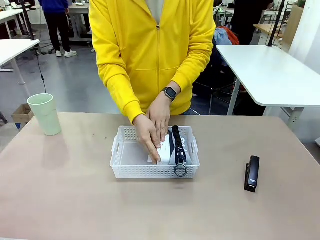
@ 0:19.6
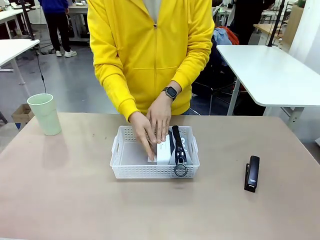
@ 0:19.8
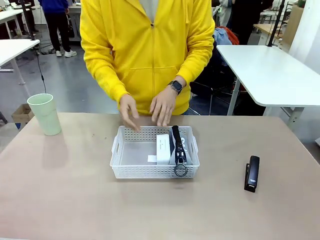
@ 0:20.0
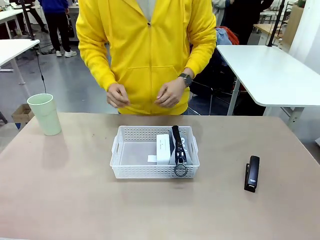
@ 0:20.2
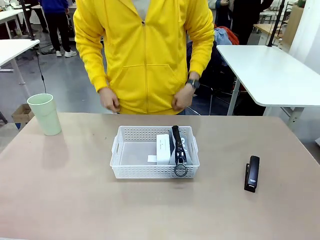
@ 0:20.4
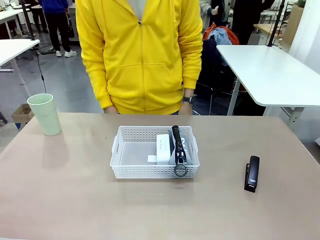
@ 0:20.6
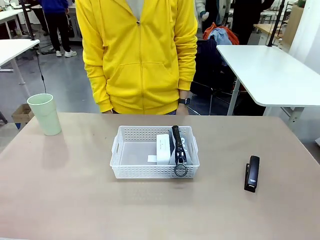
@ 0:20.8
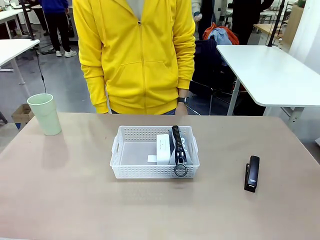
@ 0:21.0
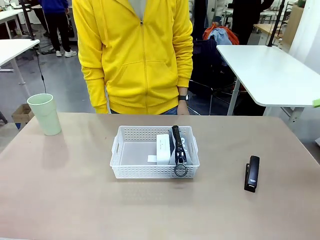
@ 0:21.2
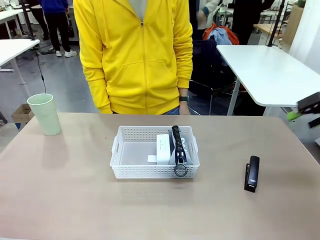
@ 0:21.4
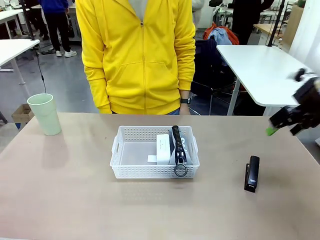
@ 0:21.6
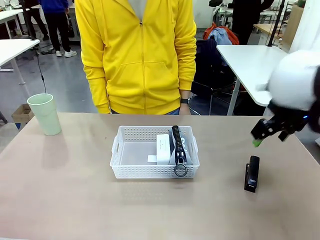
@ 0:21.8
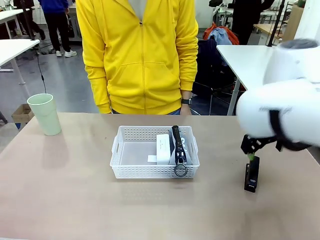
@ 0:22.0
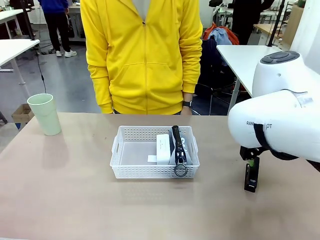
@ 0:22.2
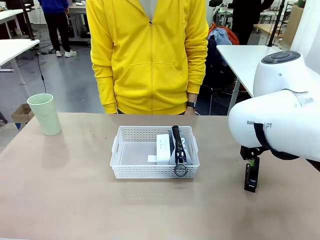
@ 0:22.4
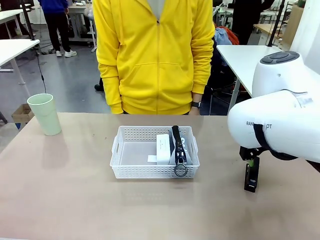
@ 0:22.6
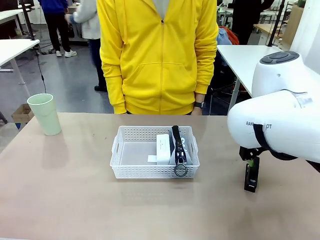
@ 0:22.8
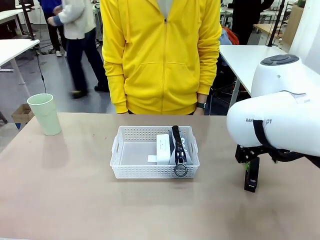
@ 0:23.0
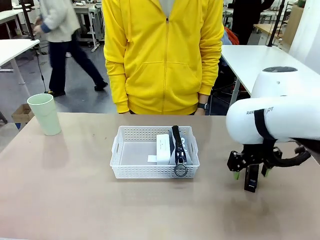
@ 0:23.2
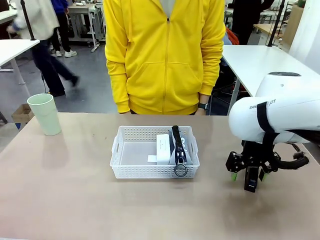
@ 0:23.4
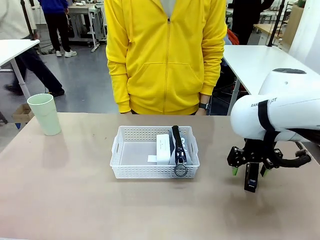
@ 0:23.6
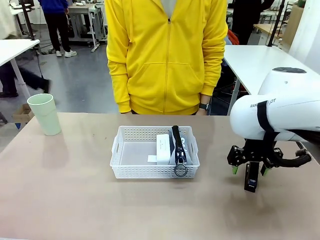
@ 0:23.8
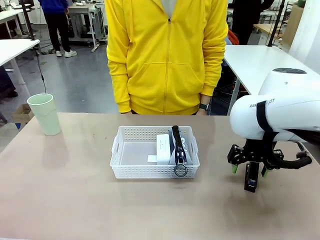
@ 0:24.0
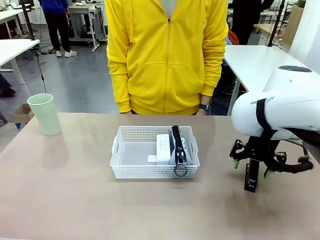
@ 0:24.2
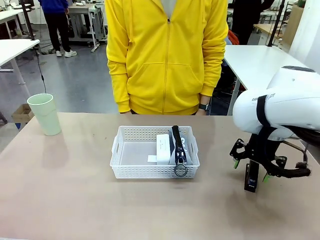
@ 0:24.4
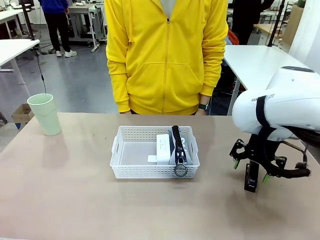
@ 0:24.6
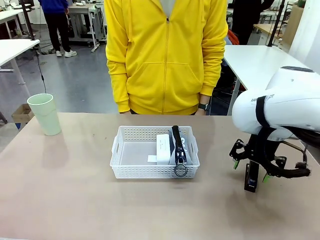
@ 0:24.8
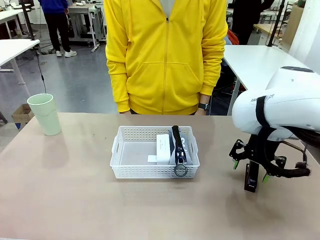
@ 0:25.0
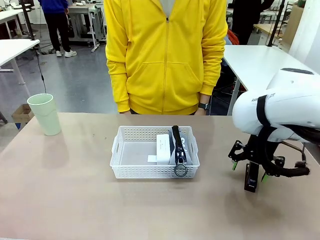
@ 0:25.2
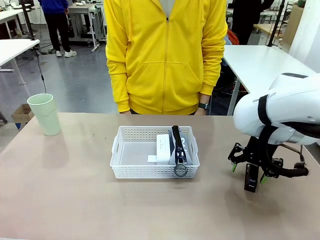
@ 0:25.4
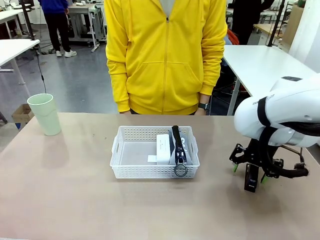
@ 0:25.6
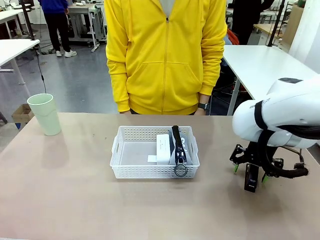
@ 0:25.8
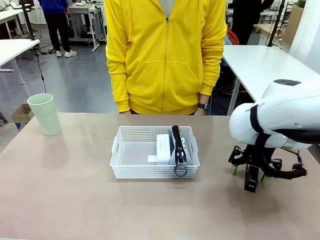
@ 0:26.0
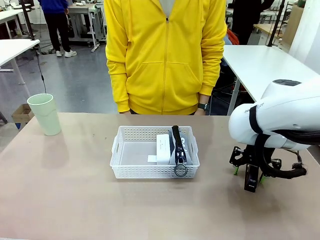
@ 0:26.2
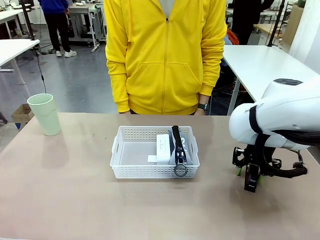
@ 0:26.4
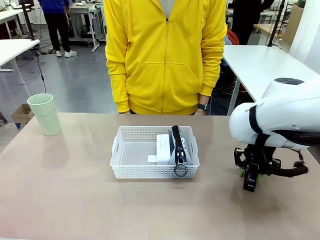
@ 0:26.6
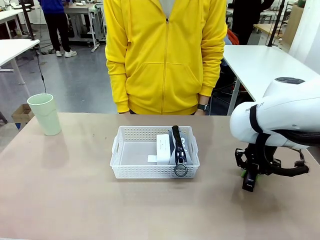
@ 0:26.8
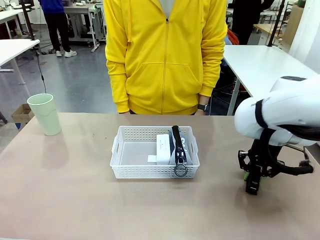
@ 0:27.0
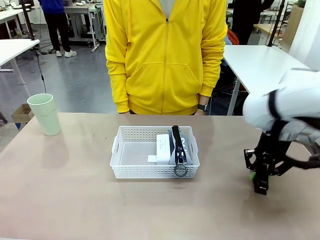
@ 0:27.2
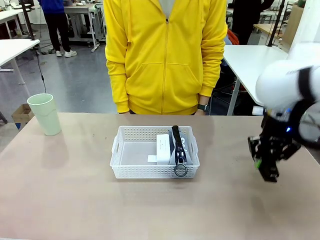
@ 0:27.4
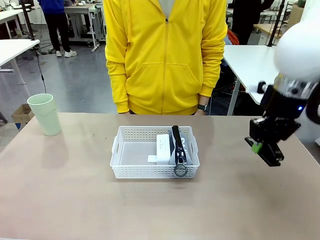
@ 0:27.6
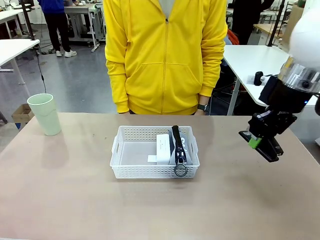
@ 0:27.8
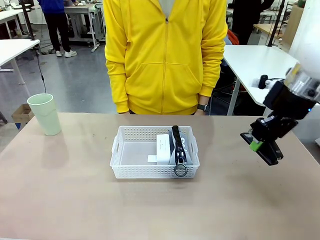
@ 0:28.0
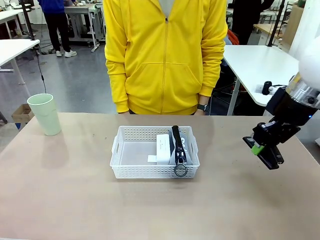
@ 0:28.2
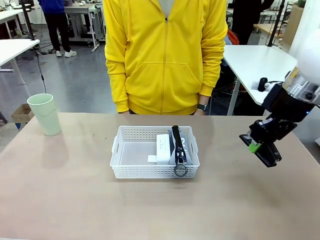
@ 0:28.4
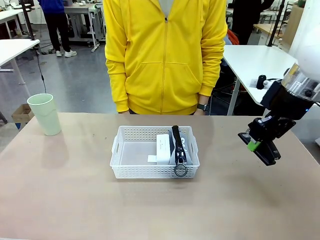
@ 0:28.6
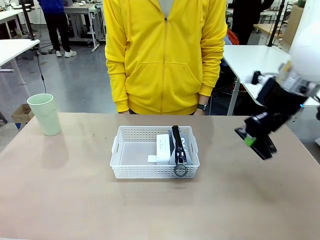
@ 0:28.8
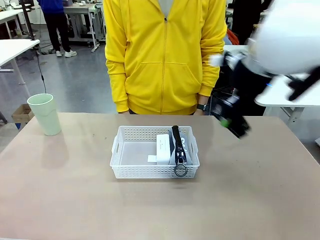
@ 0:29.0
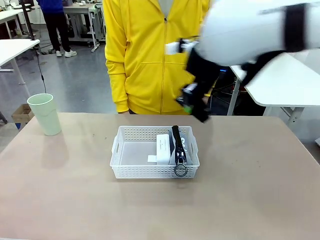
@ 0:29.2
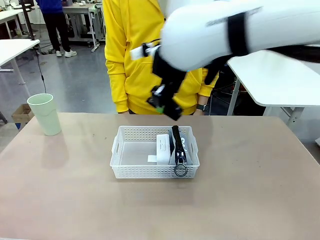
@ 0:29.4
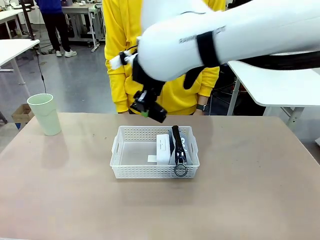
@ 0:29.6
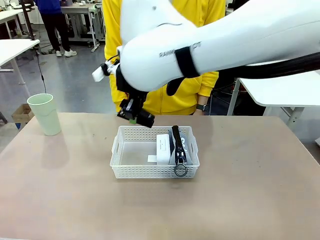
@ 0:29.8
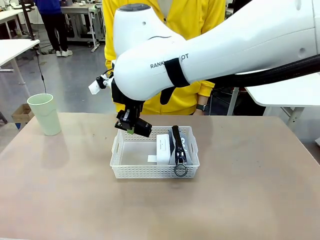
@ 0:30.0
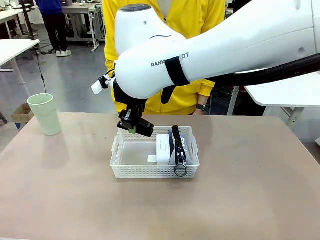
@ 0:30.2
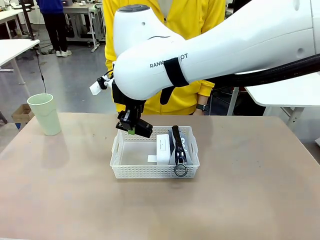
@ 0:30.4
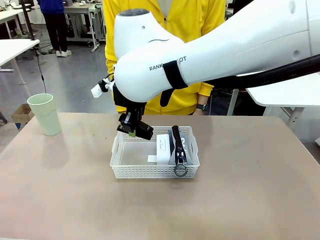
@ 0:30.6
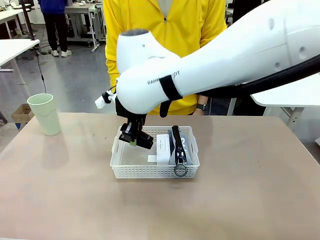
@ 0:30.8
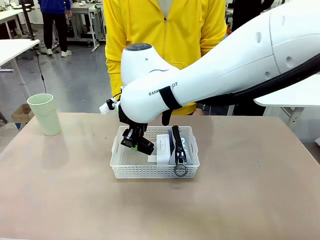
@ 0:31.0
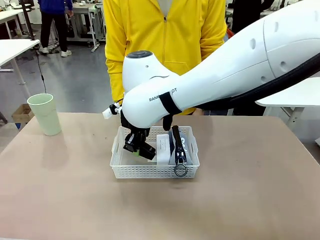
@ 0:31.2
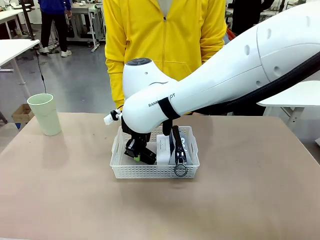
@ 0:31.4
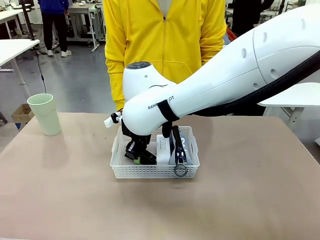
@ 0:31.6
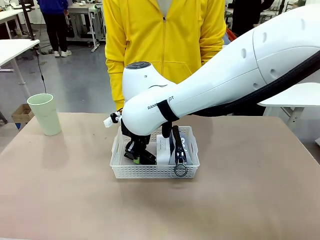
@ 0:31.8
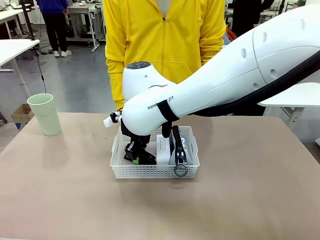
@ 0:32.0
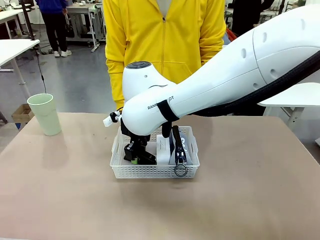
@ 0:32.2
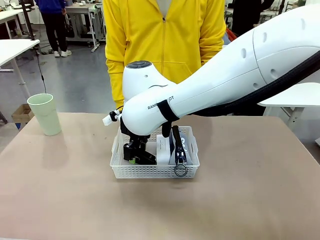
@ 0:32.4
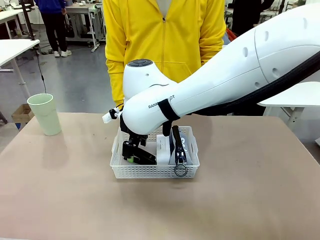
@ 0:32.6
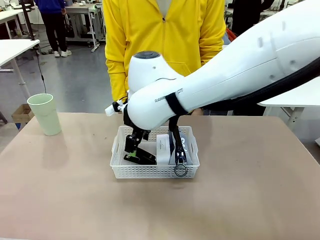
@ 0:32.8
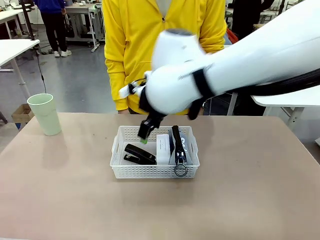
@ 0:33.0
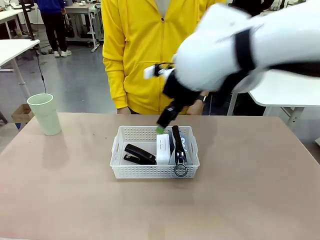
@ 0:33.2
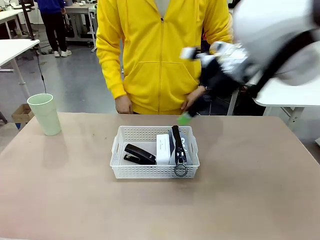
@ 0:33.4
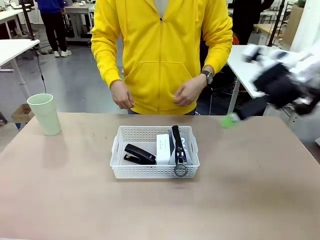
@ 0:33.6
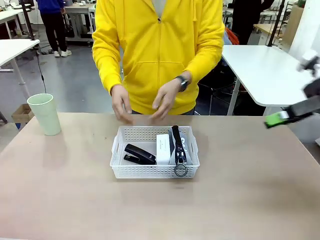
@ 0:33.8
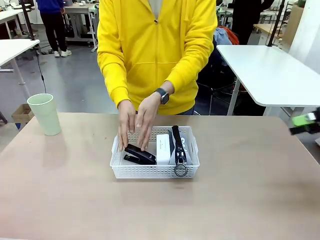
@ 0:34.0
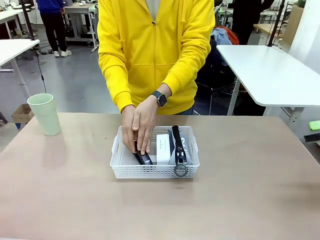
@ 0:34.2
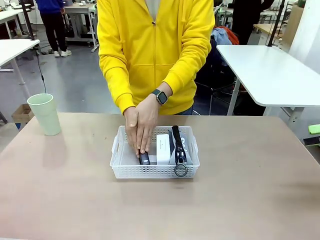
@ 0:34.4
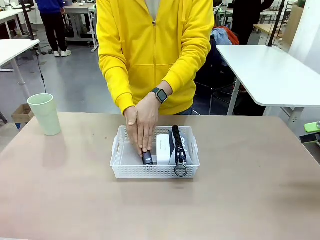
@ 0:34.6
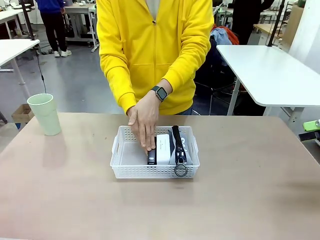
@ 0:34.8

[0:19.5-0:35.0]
Task: Efficiently arrange items inside the basket to fit them all.
Robot: Pick up the Stapler and place it inside the Organizing basket.
